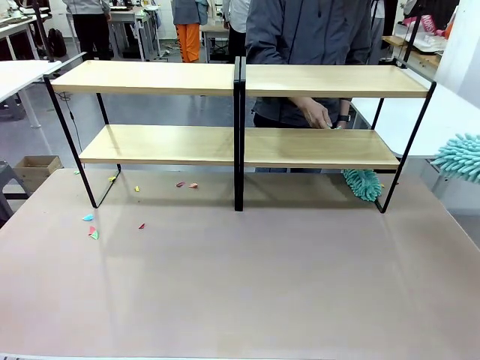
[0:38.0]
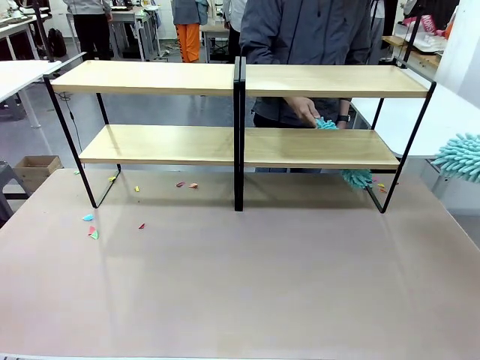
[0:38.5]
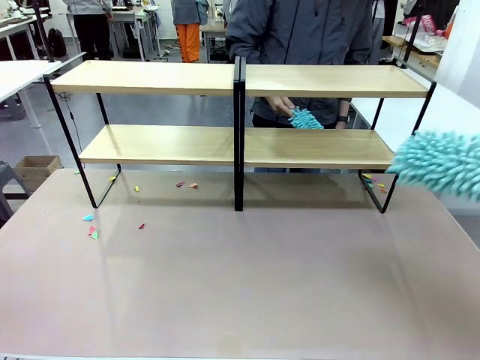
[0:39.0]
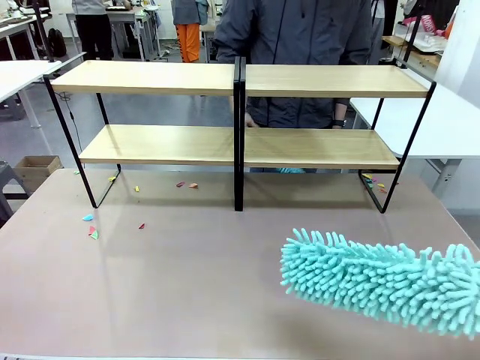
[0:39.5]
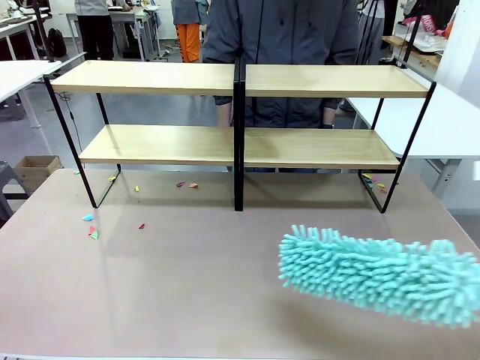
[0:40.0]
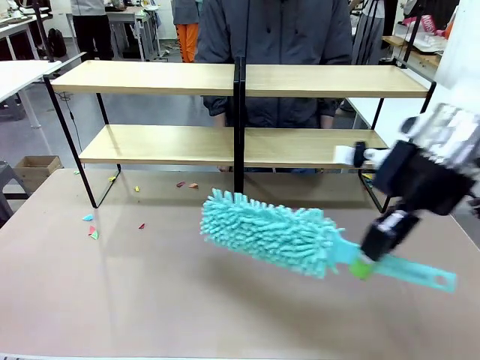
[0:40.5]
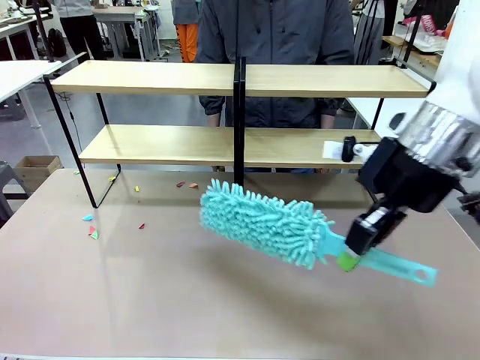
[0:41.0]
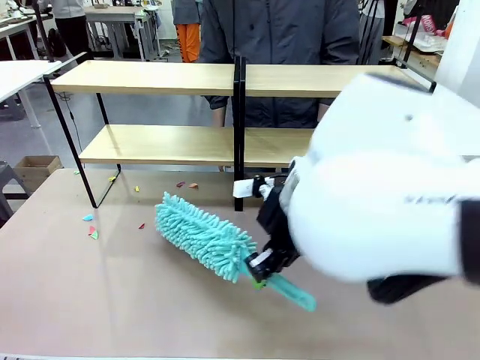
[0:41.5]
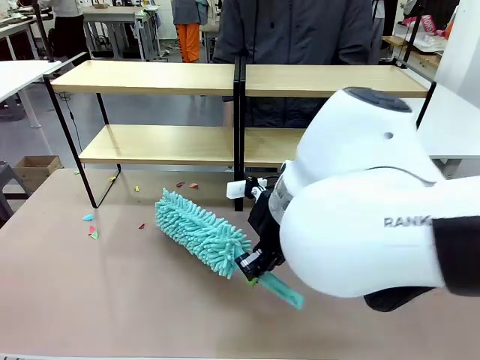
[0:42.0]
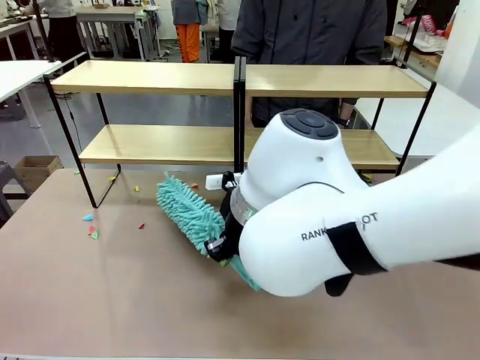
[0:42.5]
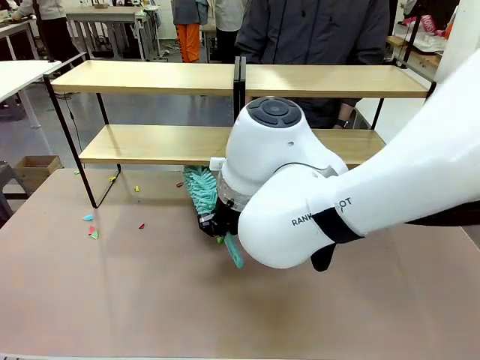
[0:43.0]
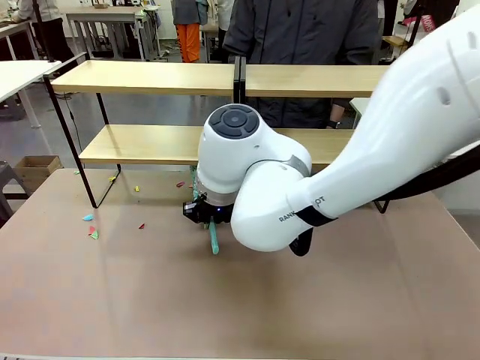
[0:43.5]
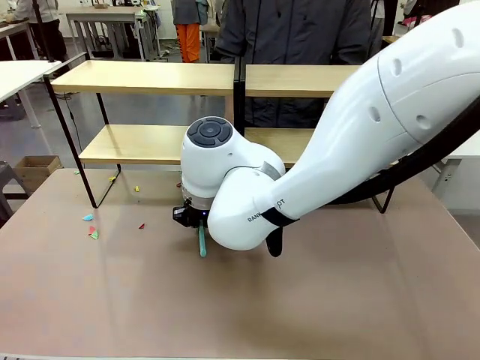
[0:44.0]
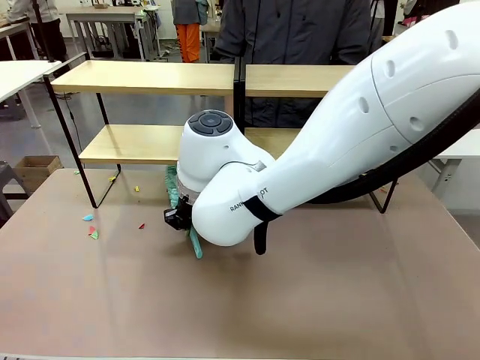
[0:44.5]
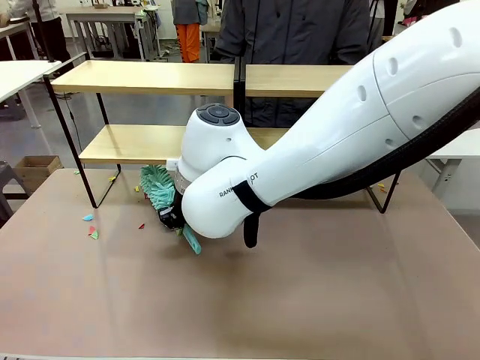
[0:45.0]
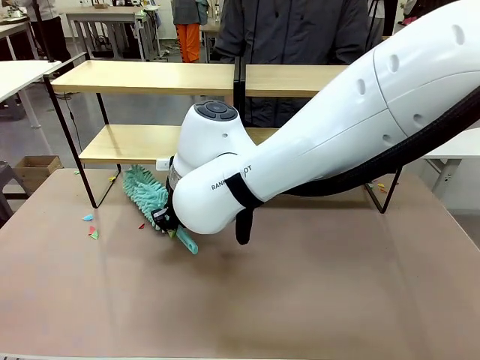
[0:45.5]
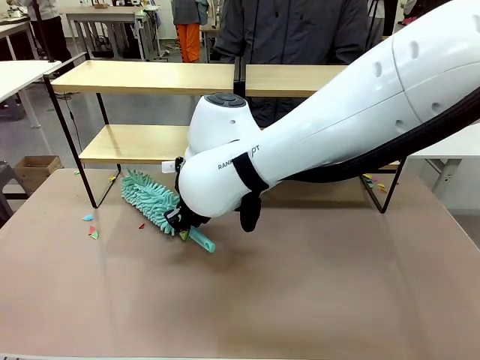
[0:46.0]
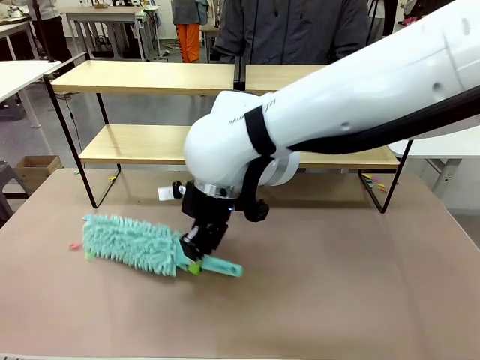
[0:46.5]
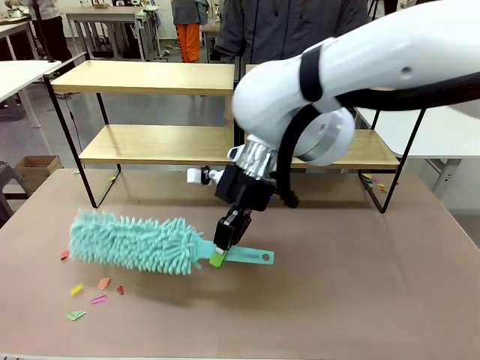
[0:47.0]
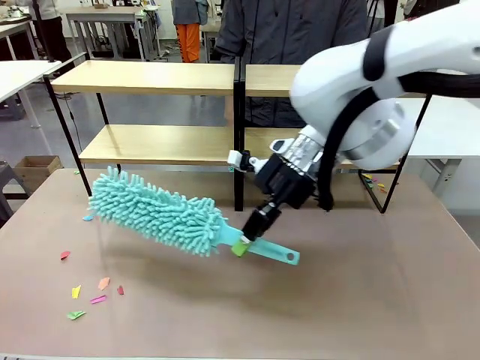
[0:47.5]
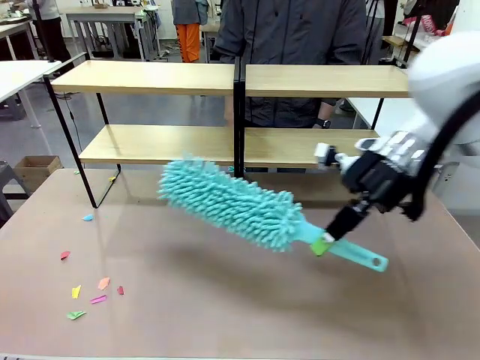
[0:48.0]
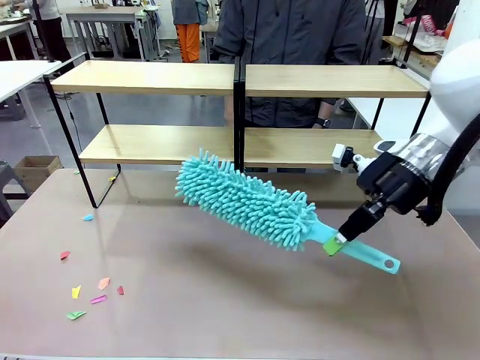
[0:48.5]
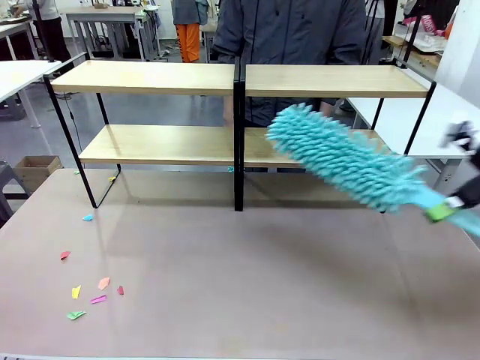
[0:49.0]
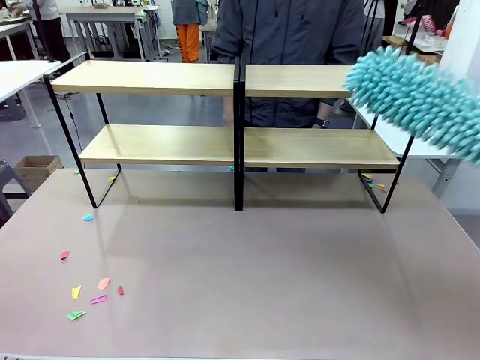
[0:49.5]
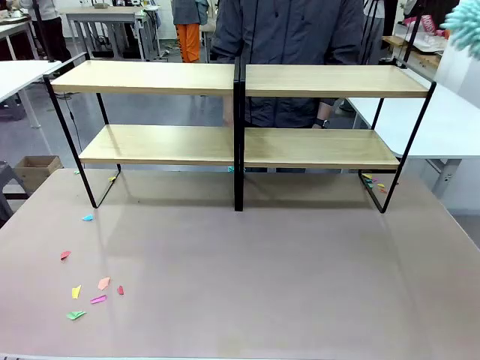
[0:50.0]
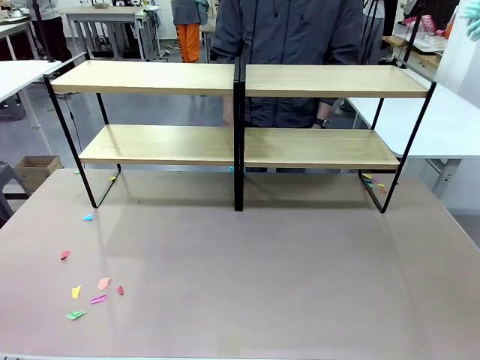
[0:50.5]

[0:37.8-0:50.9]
Task: Clean the shelves.
Robot: Clean another randomly selected level of the Shelf with the Duster.

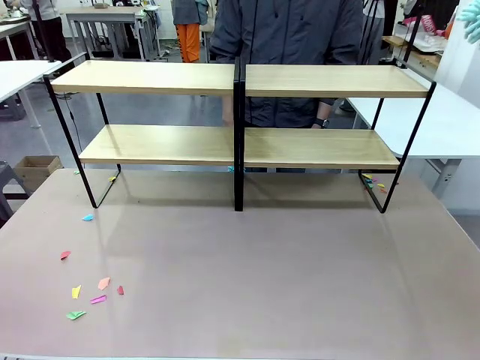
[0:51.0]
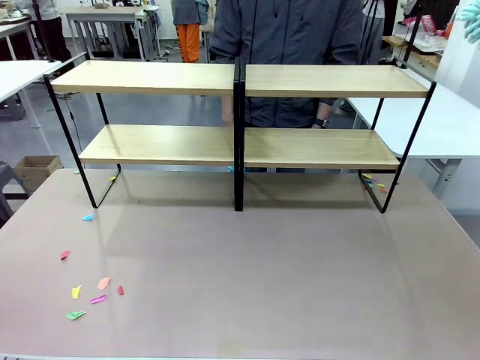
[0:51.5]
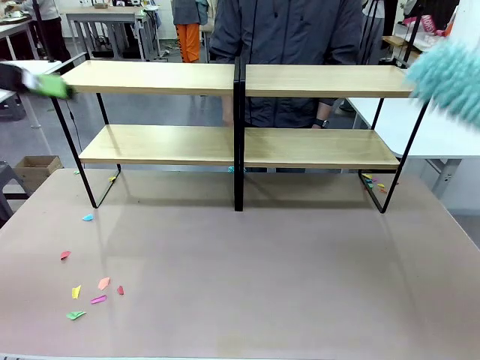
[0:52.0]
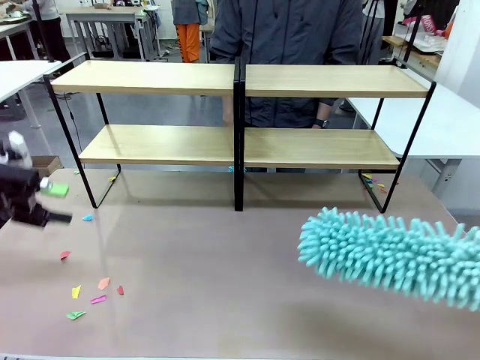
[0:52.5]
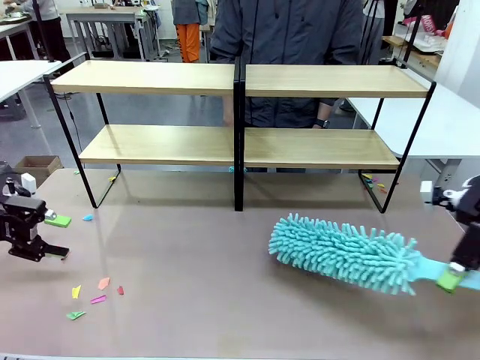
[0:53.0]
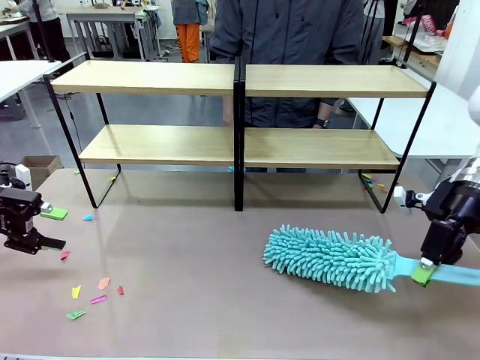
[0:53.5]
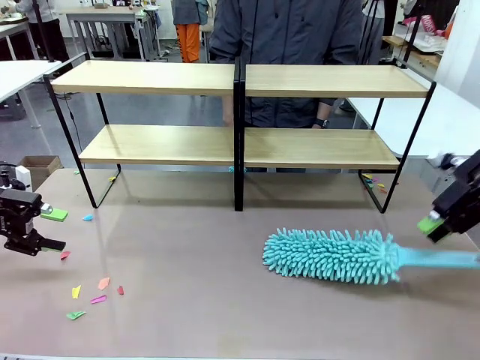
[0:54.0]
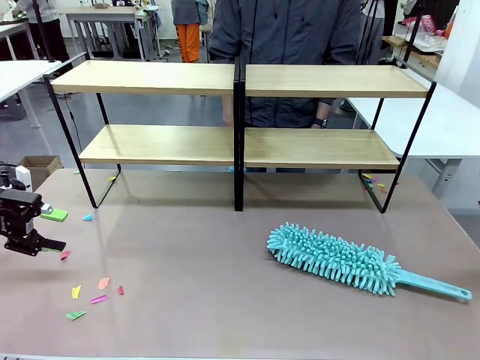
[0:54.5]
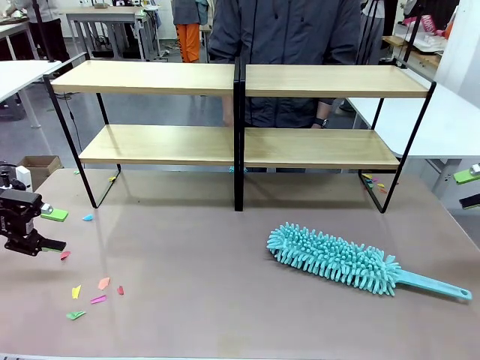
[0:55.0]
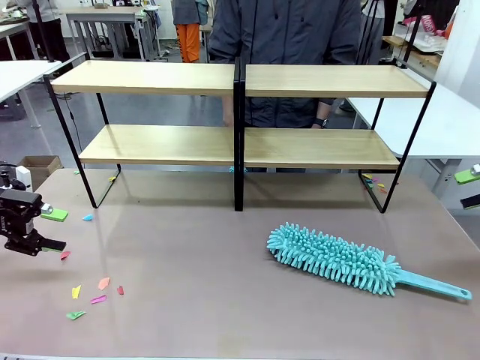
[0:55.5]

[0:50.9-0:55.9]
Robot: Place the Duster on the table.

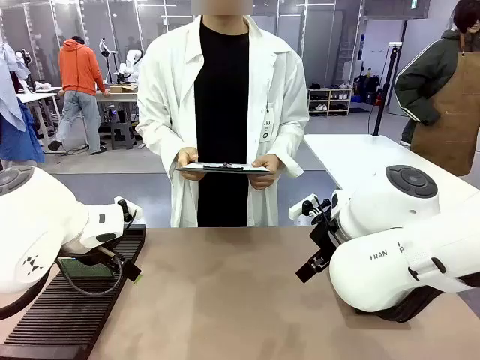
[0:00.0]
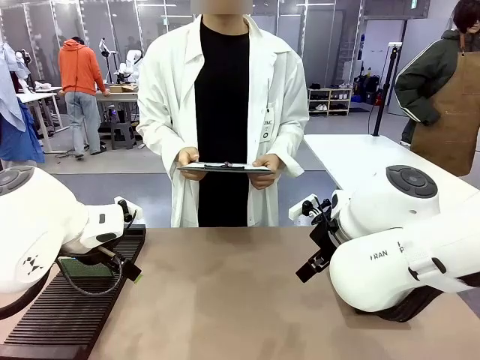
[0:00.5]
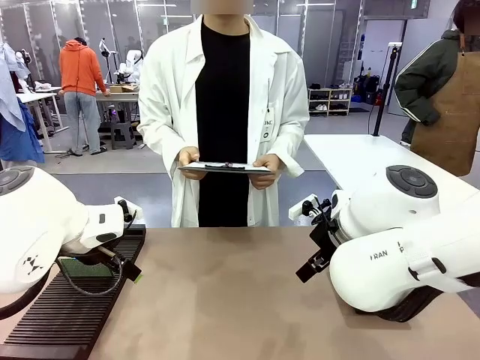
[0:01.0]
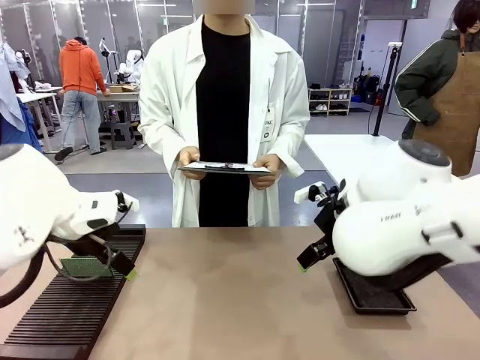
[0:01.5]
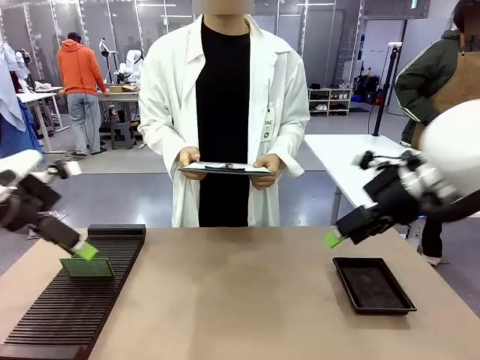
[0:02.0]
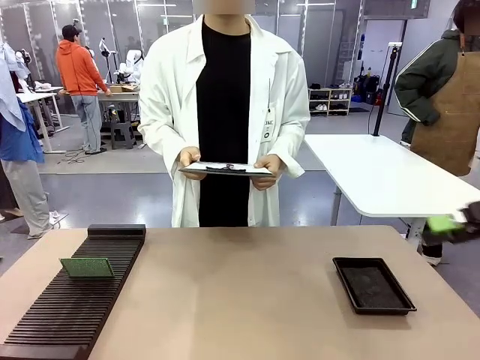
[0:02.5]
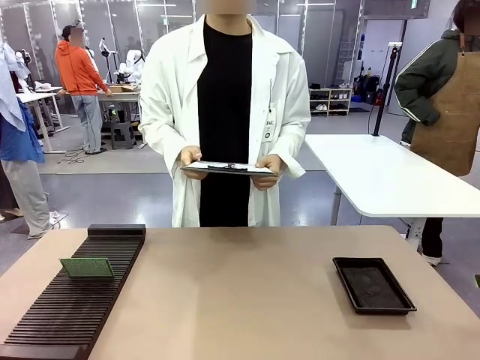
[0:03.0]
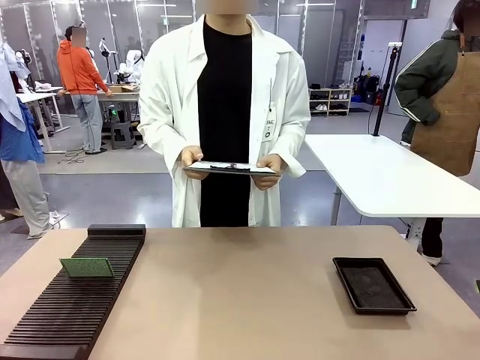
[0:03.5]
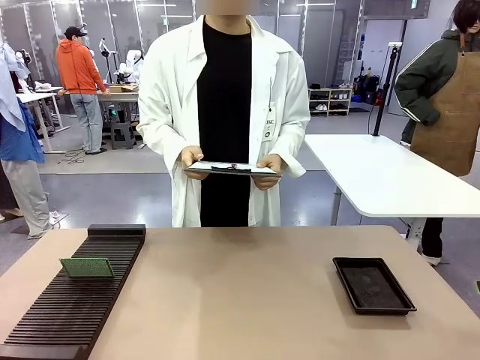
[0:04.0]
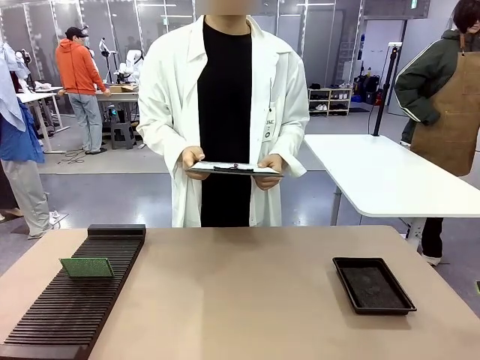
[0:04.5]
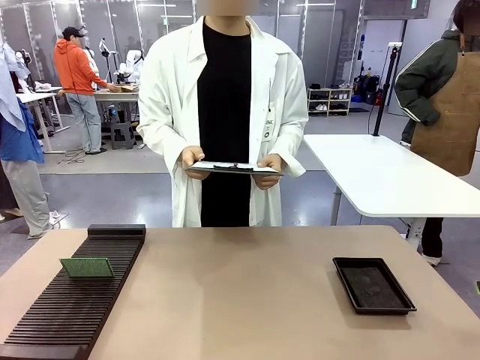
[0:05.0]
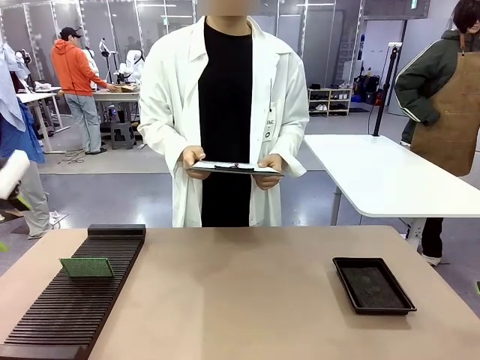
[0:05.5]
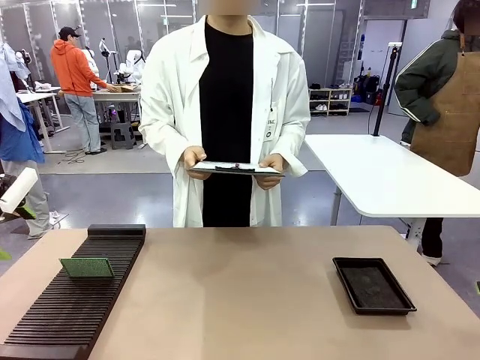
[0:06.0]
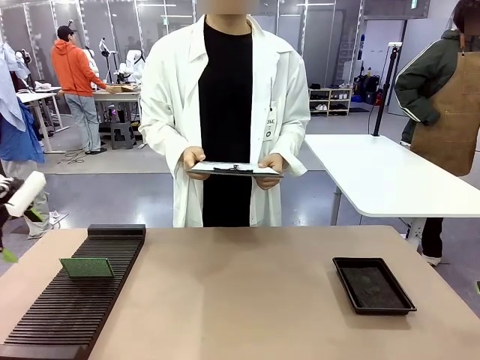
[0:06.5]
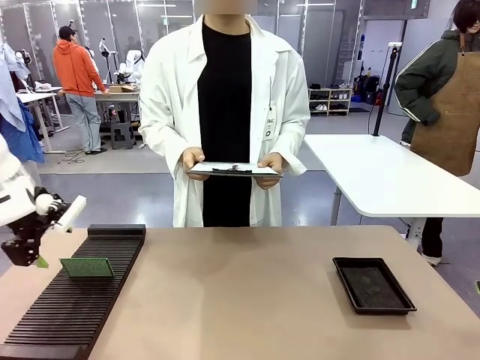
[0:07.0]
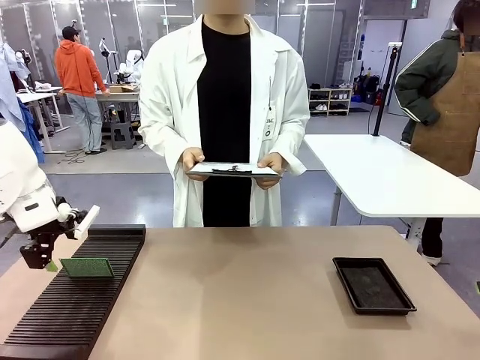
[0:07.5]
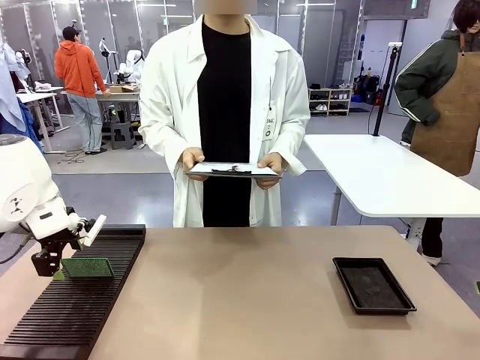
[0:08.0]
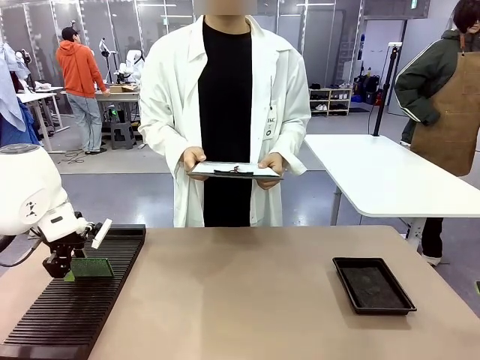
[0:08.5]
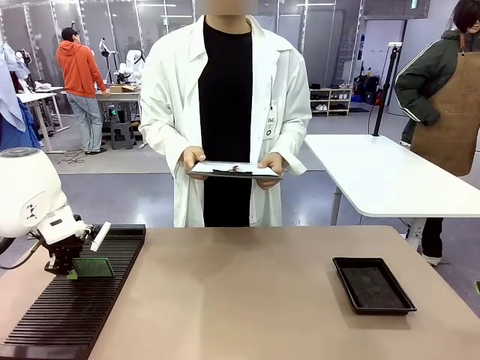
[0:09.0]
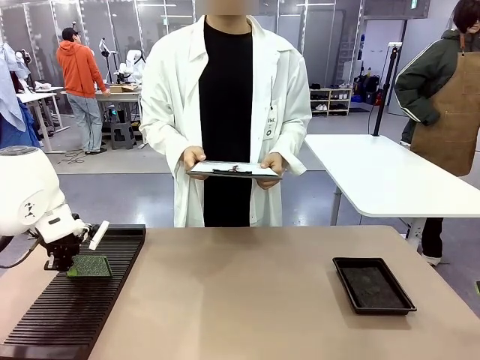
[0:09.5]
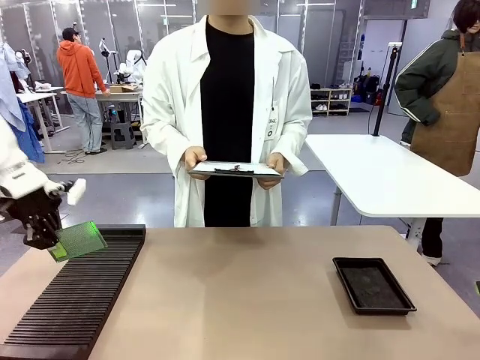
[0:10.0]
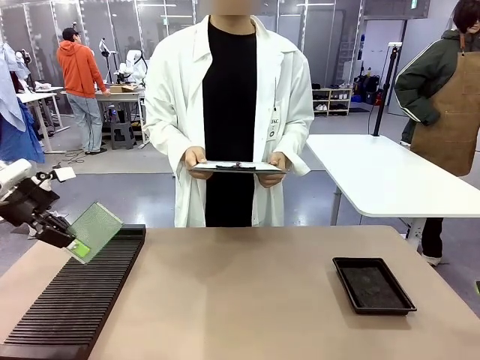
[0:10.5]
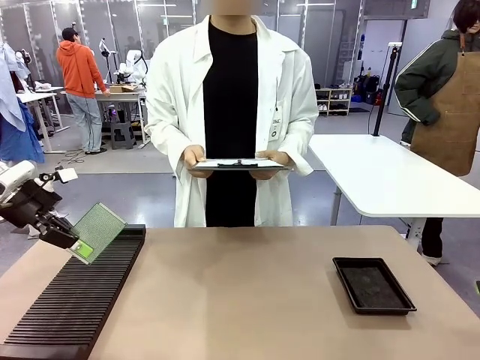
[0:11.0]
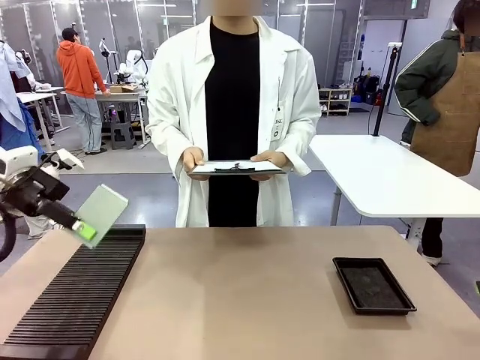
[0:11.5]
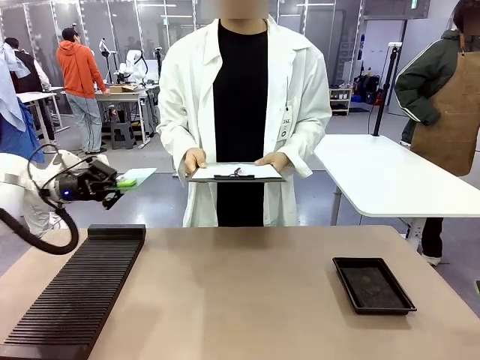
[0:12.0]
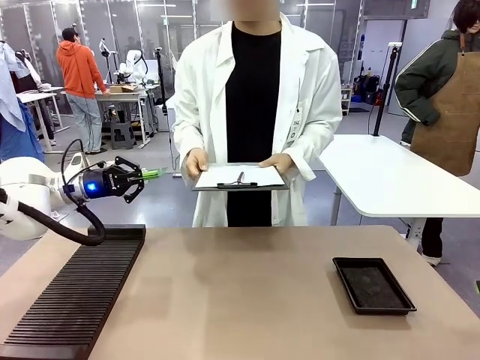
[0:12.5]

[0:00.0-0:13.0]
Task: Inspect the PCB.
Robot: Pick up the Blank PCB and present it to the human.
Person: Pick up the PCB presented by the robot.
